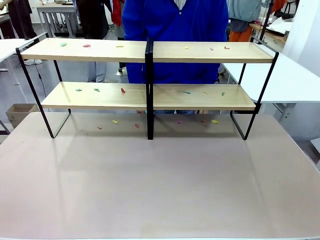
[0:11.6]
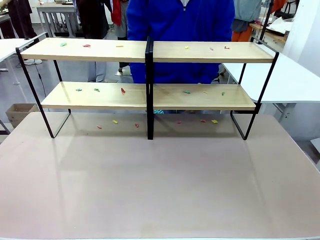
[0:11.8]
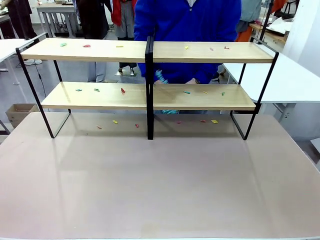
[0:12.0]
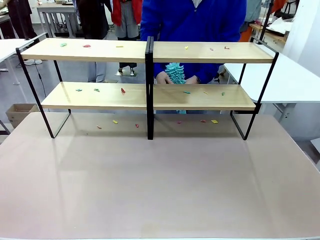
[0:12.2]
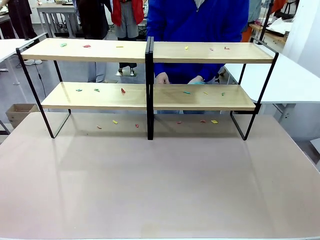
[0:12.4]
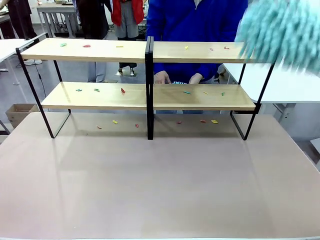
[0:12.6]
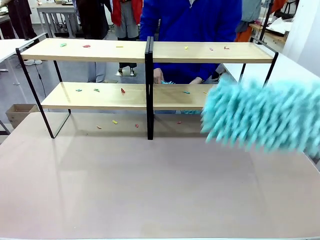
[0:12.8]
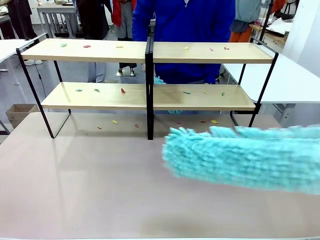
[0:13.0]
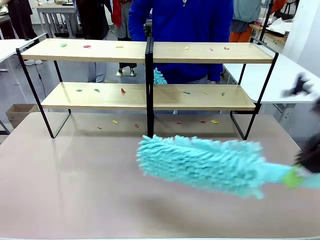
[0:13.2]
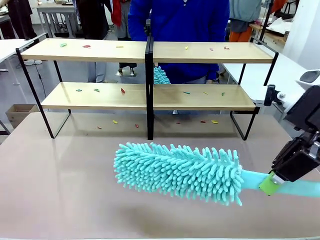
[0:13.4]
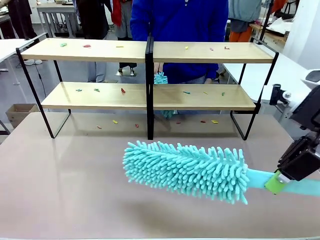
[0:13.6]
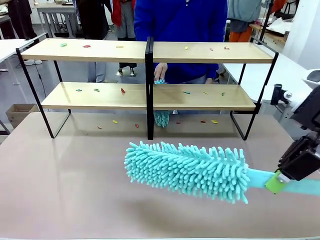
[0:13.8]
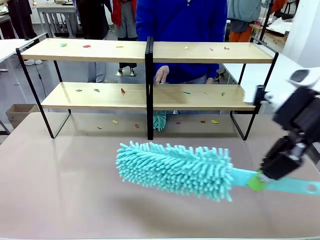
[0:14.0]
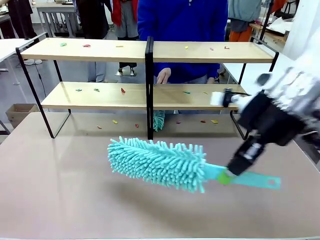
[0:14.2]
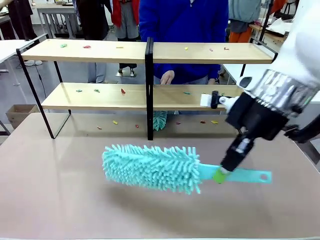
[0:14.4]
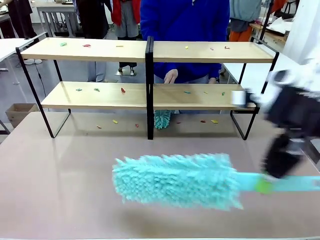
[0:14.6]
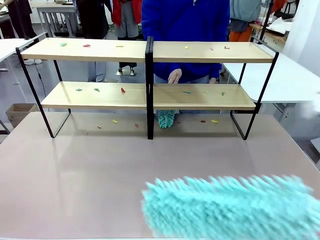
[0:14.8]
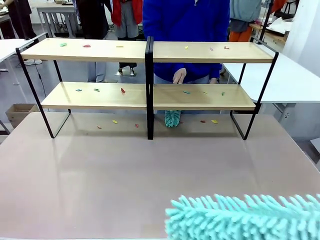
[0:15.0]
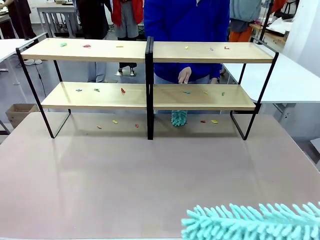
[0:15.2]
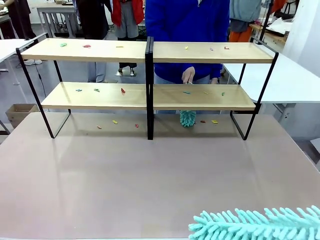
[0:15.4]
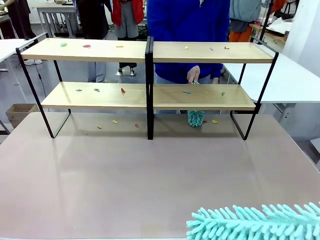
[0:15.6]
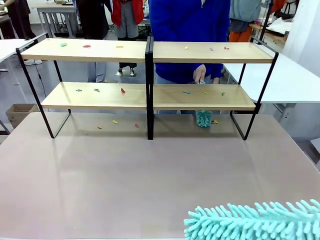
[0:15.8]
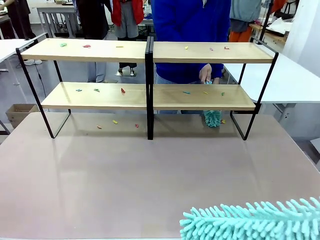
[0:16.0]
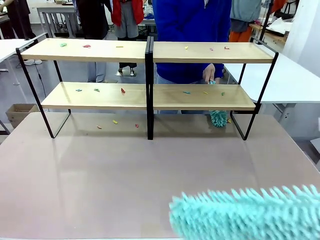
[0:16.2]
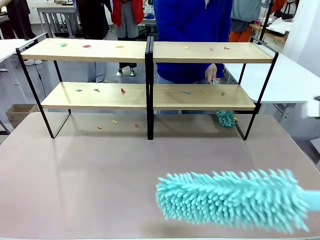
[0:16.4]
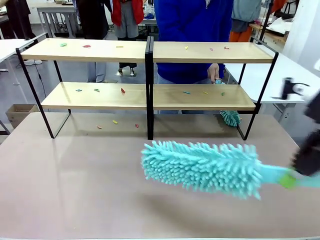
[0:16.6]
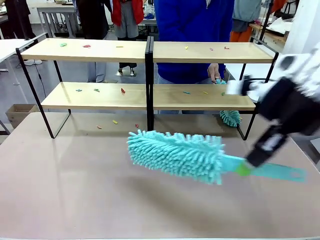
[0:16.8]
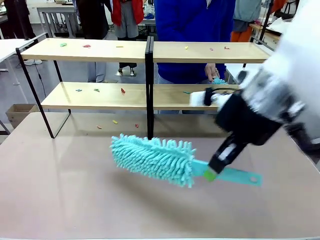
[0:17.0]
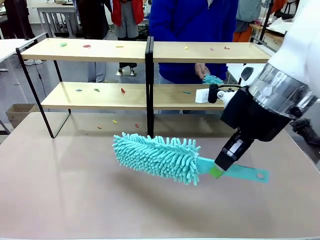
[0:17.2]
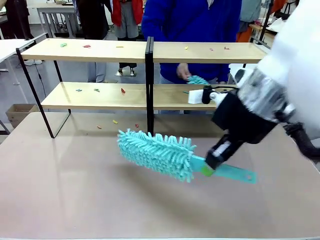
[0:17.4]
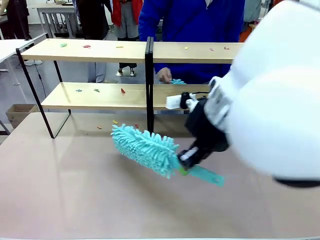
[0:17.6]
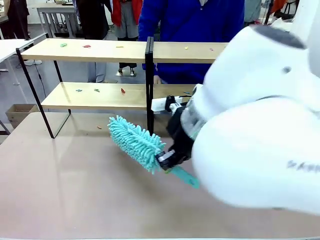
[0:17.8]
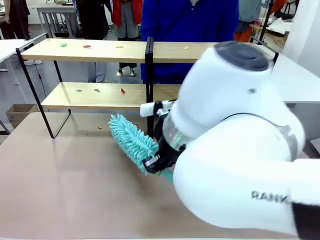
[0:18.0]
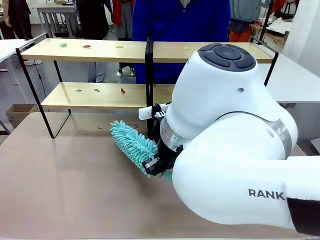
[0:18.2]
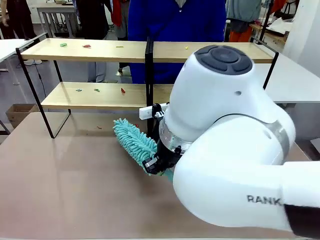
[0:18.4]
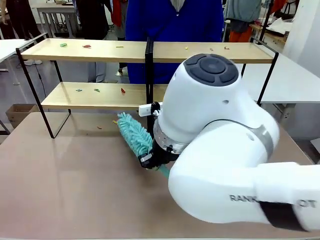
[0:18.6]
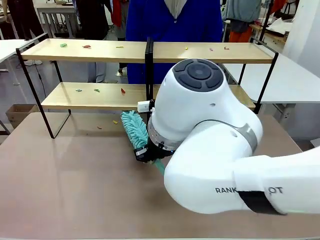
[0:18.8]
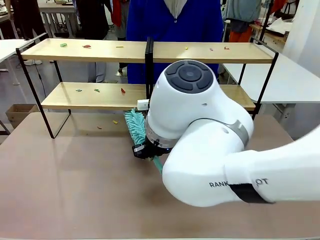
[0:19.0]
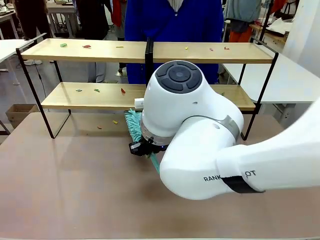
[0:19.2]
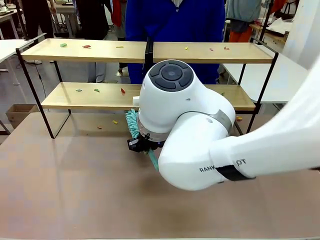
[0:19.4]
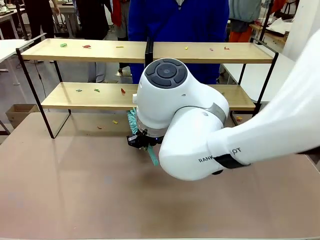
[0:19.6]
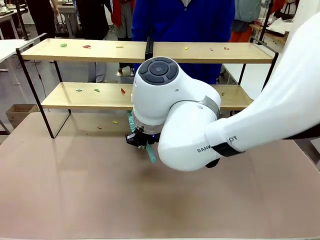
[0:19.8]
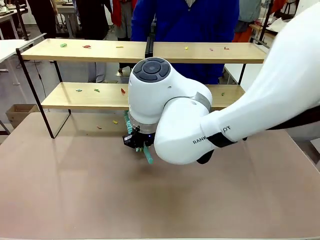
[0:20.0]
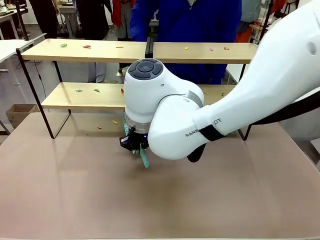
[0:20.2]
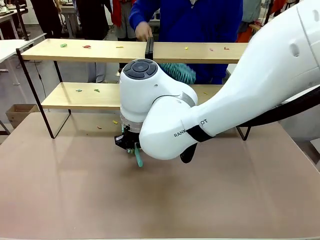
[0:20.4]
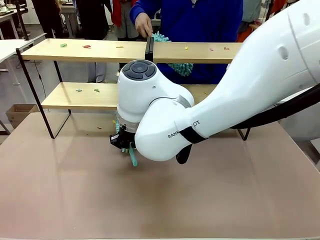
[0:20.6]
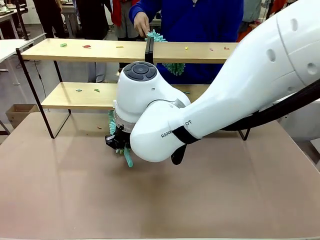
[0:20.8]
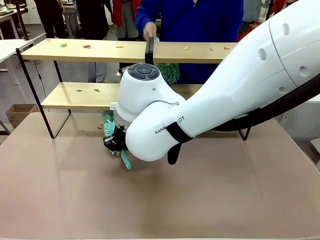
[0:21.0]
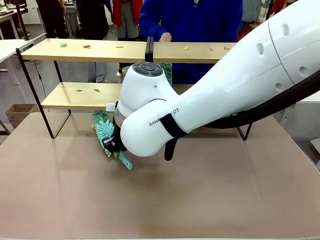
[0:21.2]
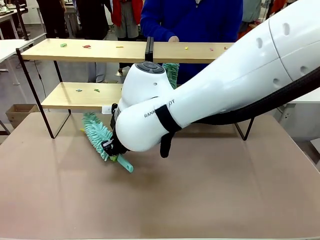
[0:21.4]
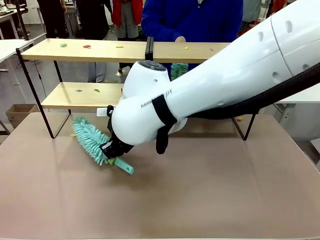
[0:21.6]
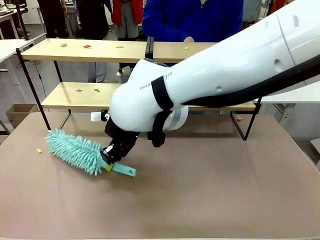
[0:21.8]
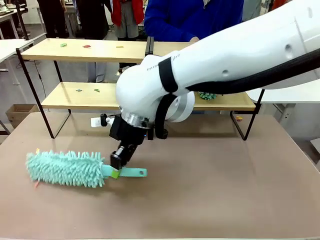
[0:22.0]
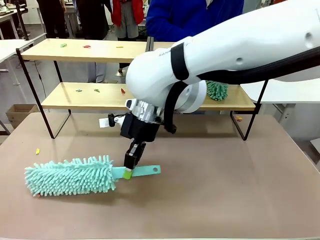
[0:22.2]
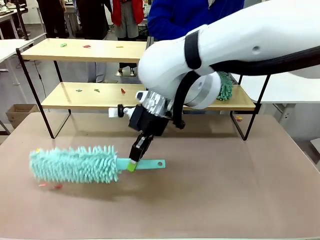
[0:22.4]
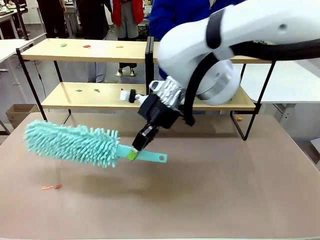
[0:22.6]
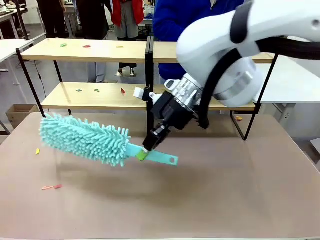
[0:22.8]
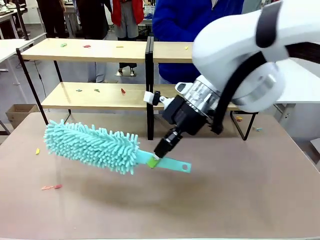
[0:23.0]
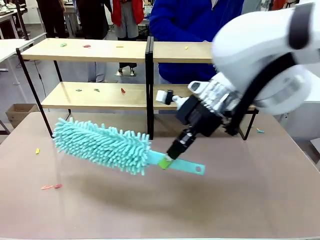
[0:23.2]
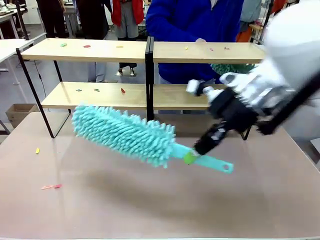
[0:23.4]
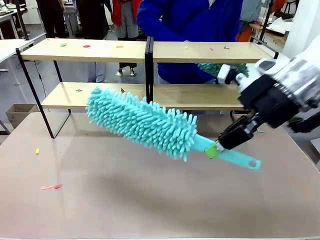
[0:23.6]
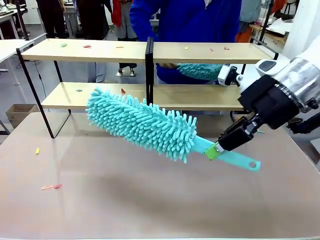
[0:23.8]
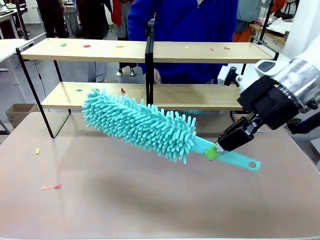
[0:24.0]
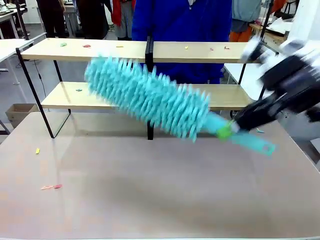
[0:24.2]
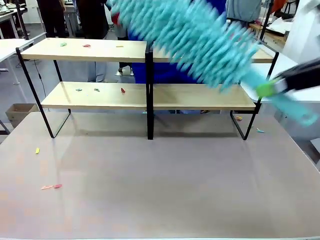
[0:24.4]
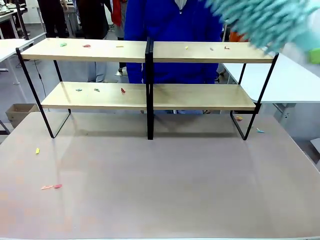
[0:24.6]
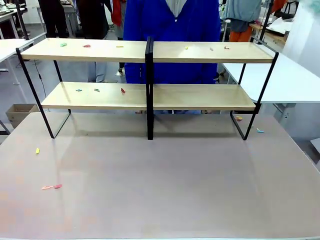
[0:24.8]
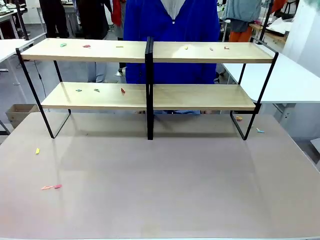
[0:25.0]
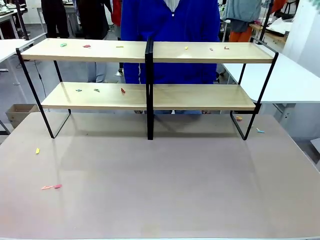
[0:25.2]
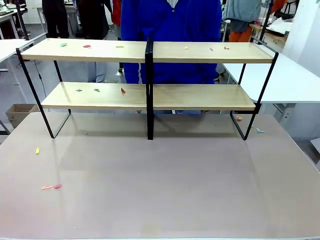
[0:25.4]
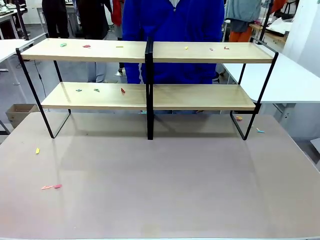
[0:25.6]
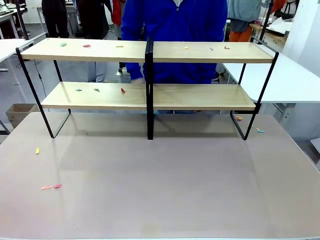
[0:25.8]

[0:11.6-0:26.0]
Task: Clean the shelves.
Robot: Clean a randomly selected level of the Shelf with the Duster.
